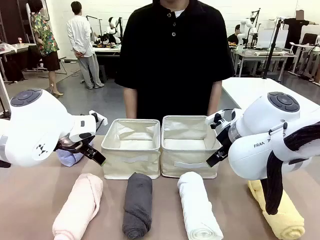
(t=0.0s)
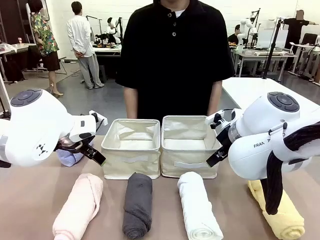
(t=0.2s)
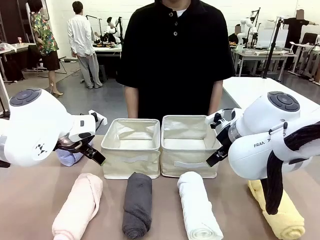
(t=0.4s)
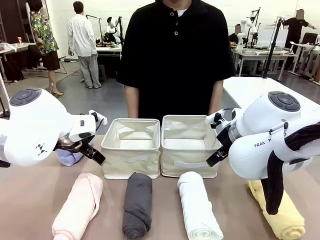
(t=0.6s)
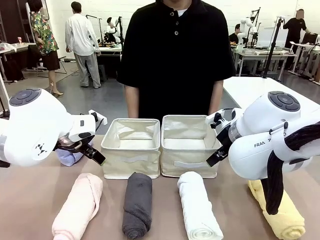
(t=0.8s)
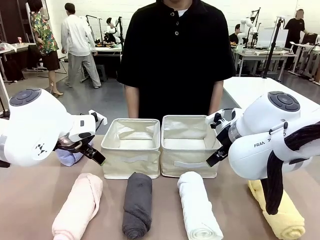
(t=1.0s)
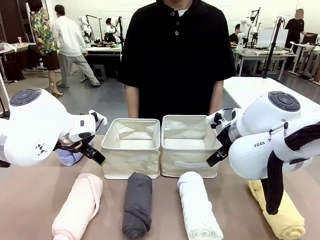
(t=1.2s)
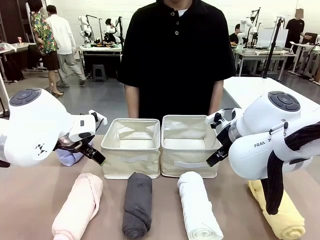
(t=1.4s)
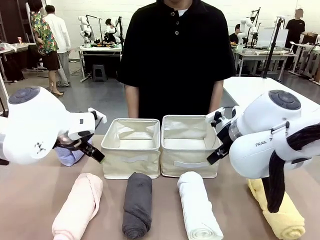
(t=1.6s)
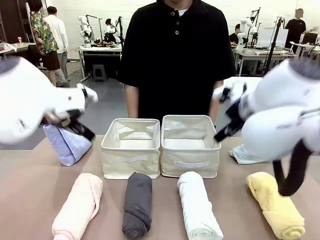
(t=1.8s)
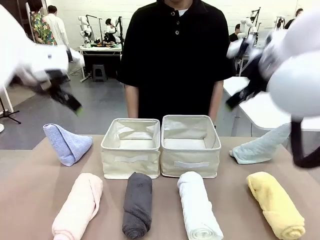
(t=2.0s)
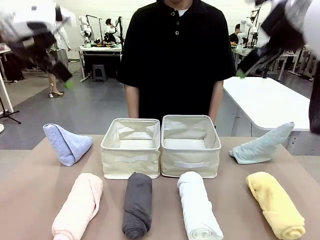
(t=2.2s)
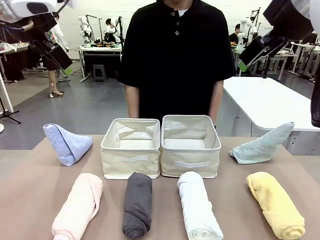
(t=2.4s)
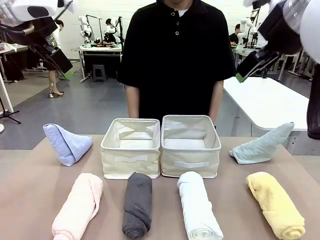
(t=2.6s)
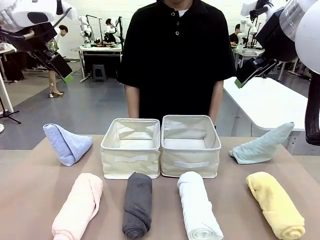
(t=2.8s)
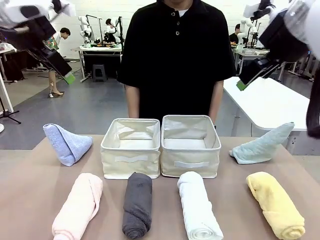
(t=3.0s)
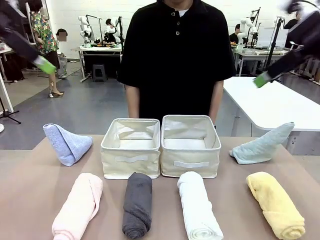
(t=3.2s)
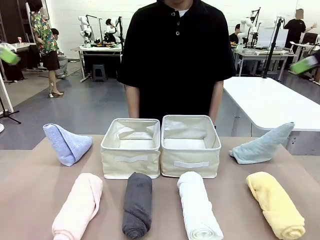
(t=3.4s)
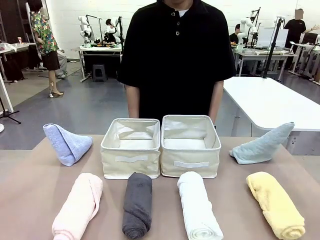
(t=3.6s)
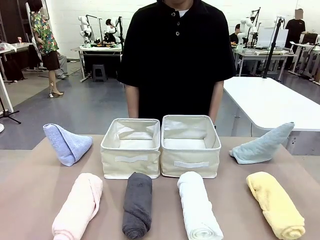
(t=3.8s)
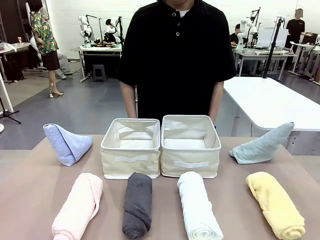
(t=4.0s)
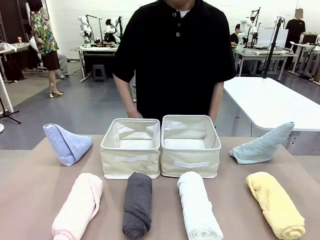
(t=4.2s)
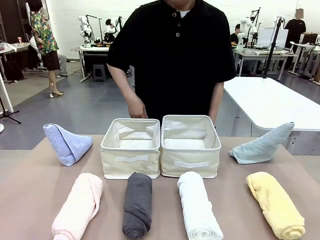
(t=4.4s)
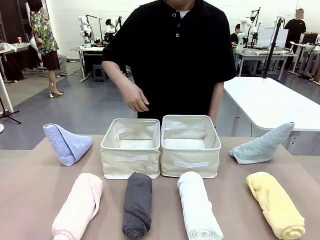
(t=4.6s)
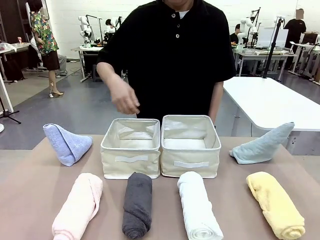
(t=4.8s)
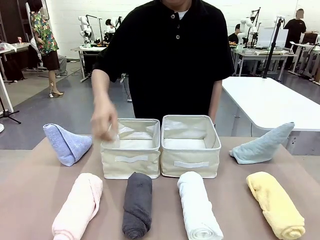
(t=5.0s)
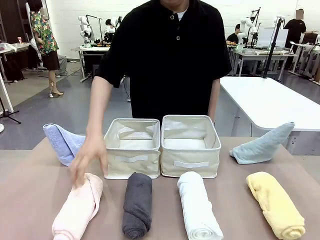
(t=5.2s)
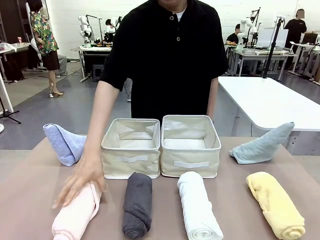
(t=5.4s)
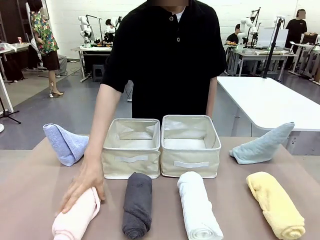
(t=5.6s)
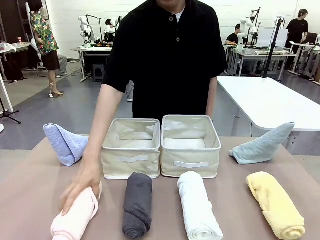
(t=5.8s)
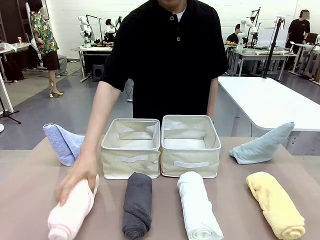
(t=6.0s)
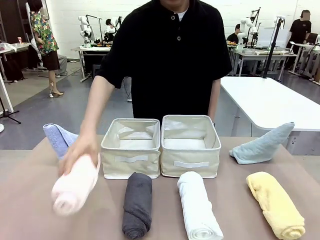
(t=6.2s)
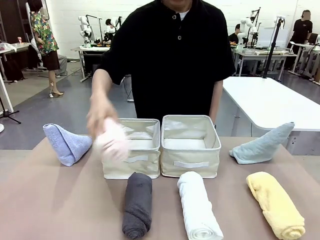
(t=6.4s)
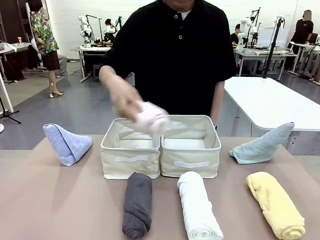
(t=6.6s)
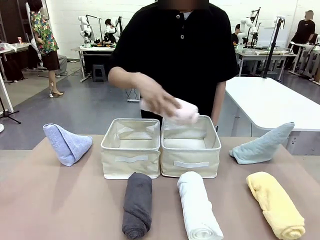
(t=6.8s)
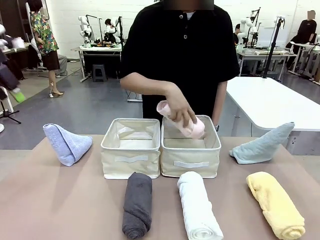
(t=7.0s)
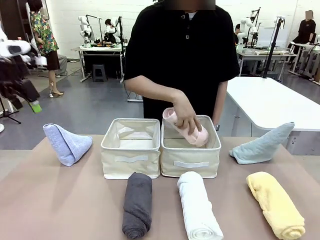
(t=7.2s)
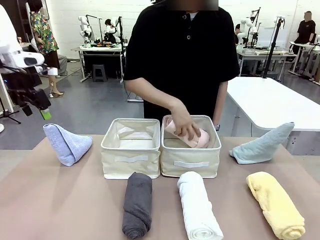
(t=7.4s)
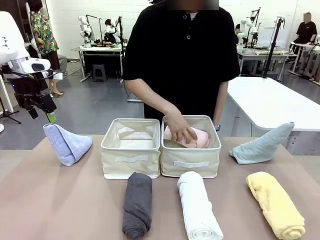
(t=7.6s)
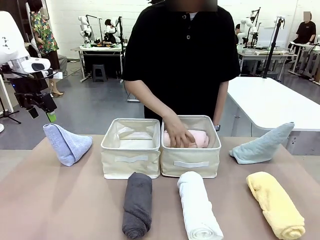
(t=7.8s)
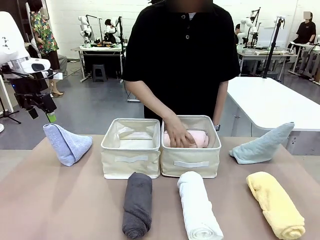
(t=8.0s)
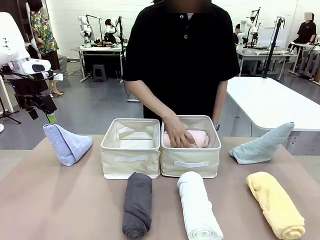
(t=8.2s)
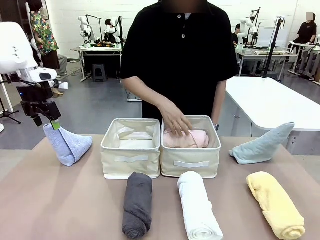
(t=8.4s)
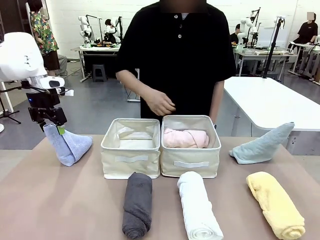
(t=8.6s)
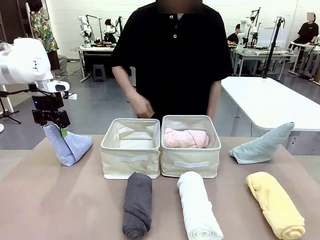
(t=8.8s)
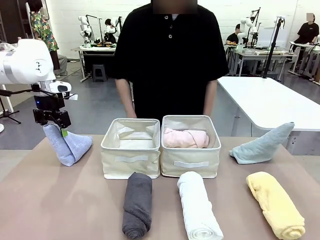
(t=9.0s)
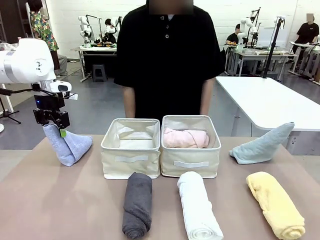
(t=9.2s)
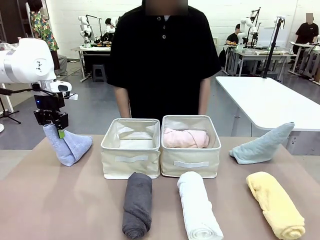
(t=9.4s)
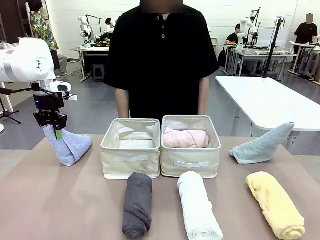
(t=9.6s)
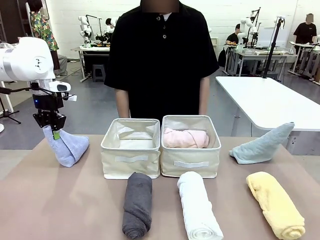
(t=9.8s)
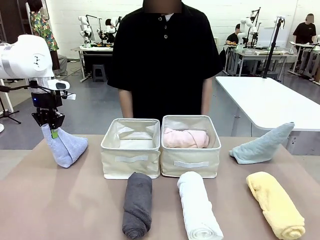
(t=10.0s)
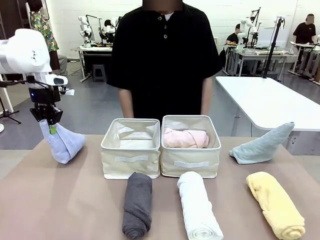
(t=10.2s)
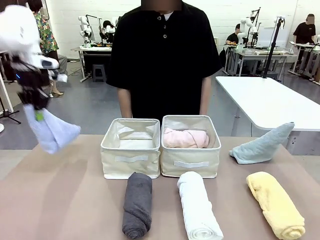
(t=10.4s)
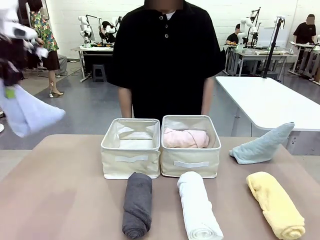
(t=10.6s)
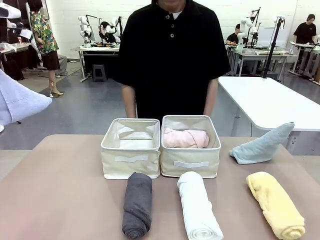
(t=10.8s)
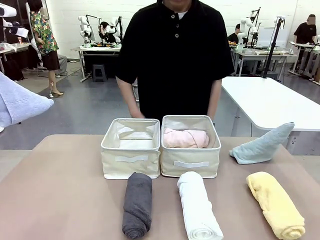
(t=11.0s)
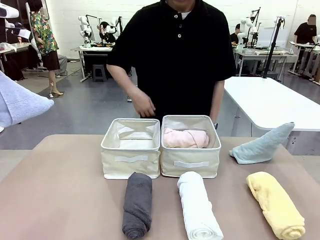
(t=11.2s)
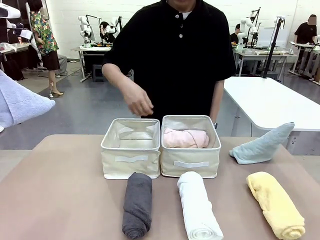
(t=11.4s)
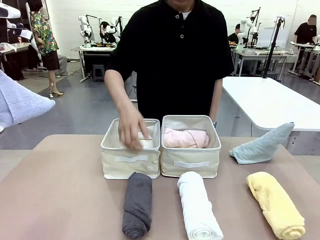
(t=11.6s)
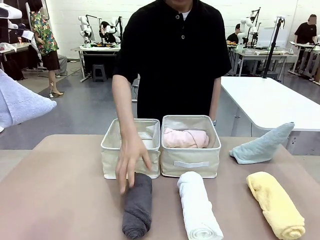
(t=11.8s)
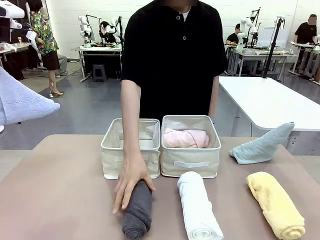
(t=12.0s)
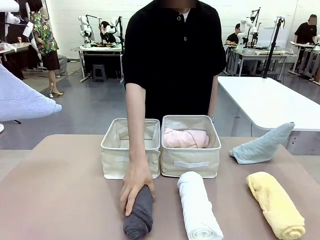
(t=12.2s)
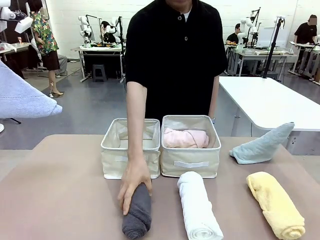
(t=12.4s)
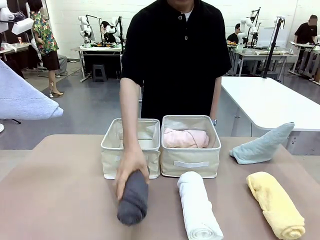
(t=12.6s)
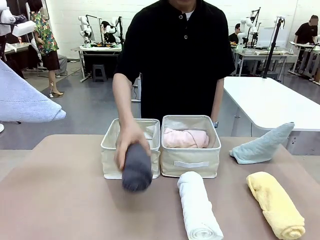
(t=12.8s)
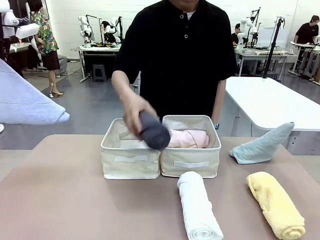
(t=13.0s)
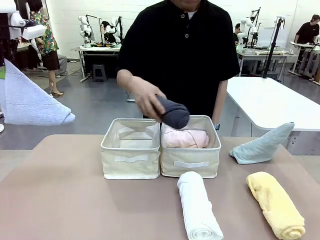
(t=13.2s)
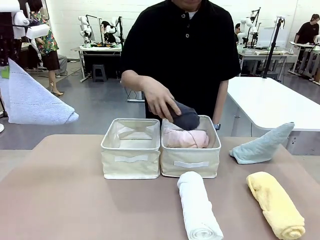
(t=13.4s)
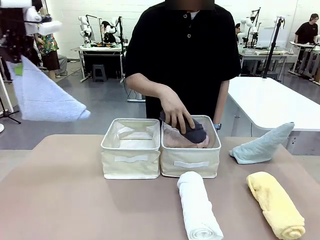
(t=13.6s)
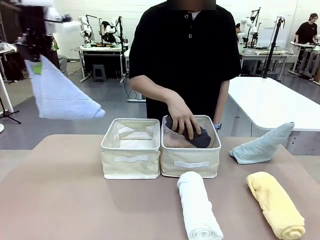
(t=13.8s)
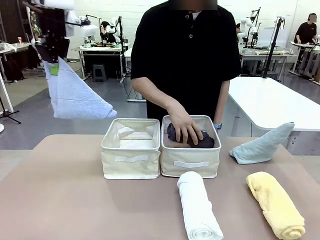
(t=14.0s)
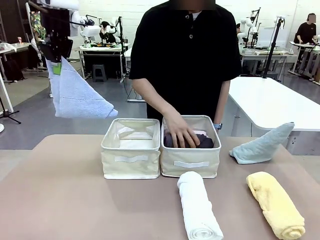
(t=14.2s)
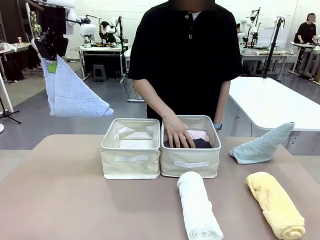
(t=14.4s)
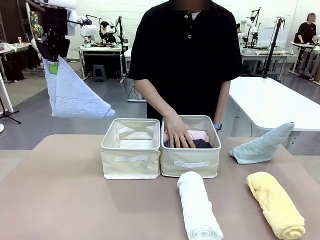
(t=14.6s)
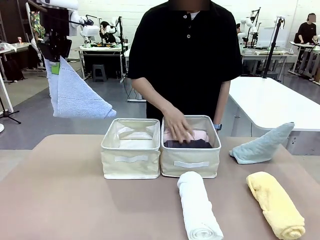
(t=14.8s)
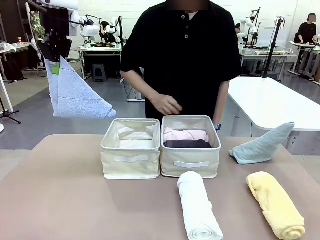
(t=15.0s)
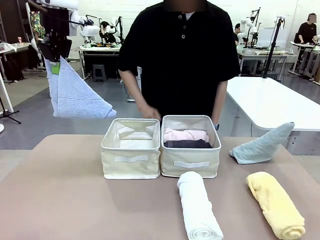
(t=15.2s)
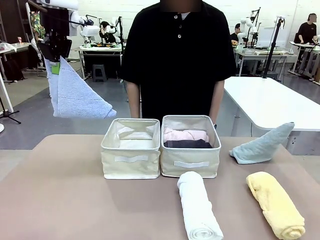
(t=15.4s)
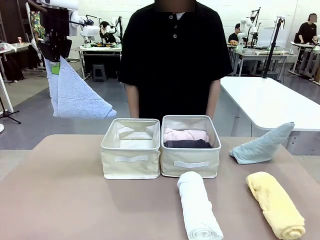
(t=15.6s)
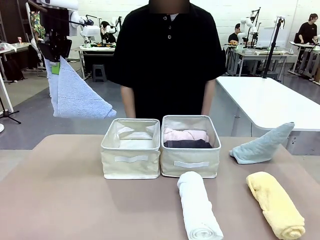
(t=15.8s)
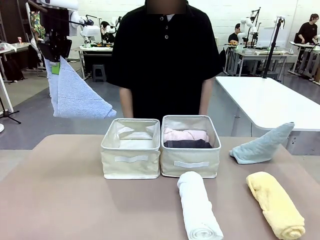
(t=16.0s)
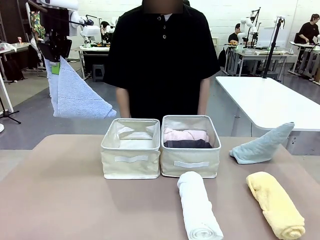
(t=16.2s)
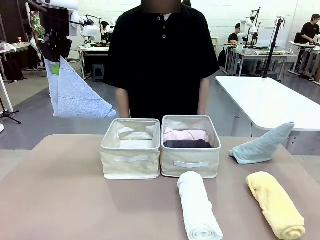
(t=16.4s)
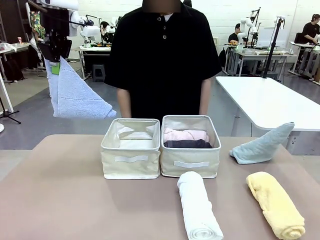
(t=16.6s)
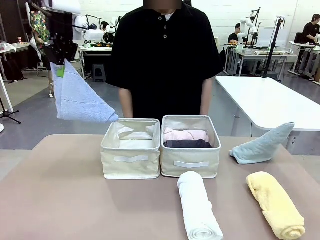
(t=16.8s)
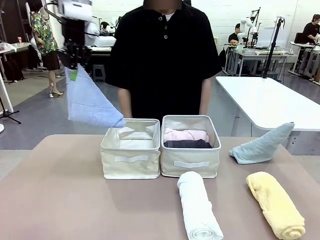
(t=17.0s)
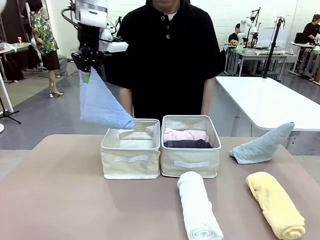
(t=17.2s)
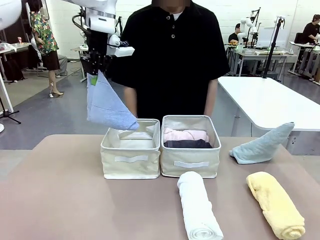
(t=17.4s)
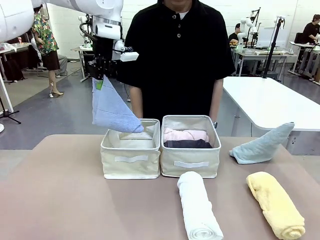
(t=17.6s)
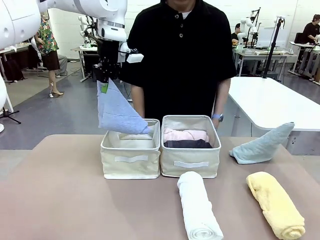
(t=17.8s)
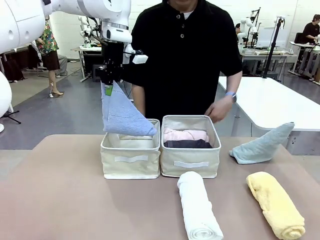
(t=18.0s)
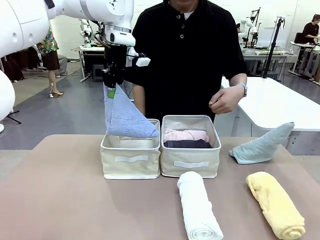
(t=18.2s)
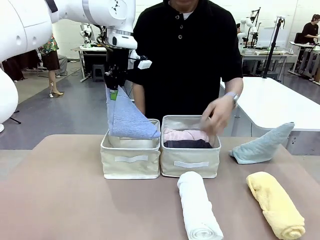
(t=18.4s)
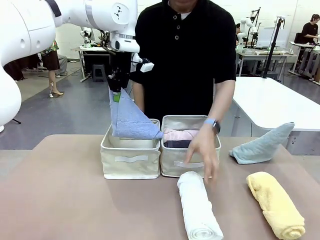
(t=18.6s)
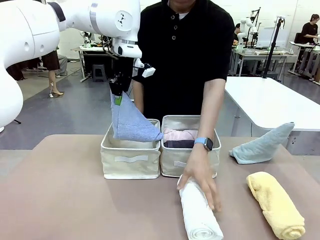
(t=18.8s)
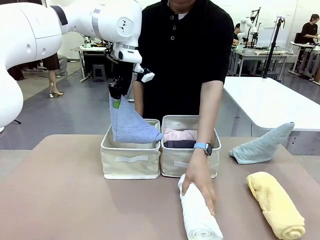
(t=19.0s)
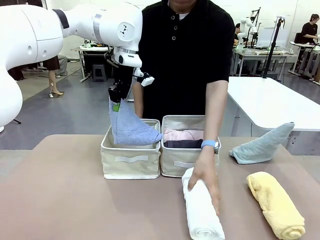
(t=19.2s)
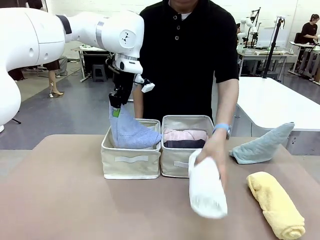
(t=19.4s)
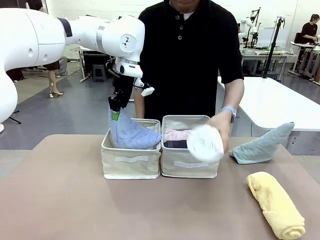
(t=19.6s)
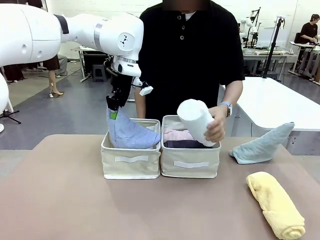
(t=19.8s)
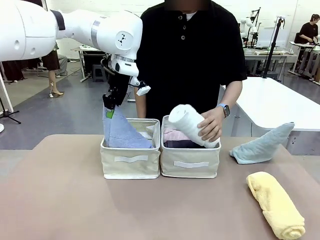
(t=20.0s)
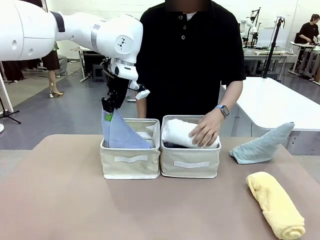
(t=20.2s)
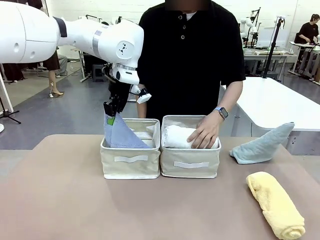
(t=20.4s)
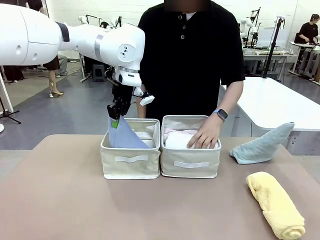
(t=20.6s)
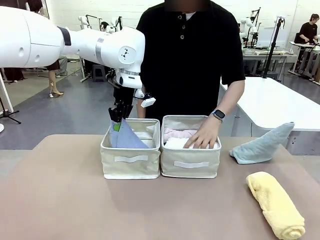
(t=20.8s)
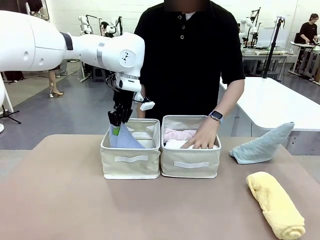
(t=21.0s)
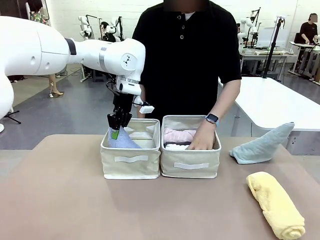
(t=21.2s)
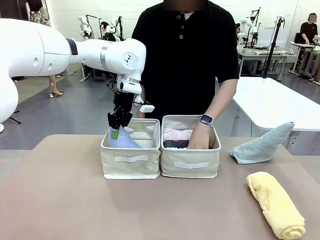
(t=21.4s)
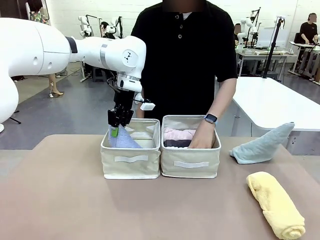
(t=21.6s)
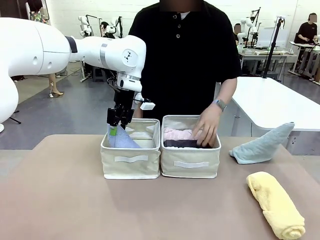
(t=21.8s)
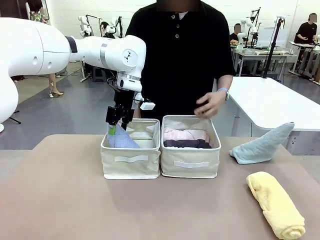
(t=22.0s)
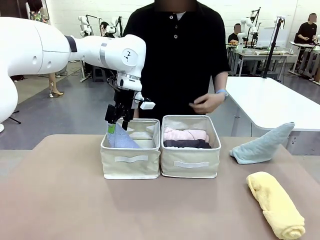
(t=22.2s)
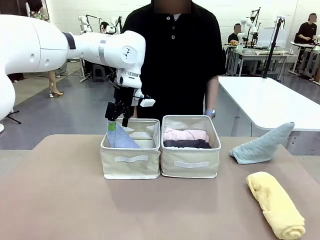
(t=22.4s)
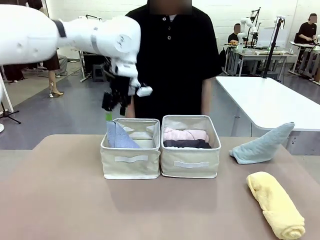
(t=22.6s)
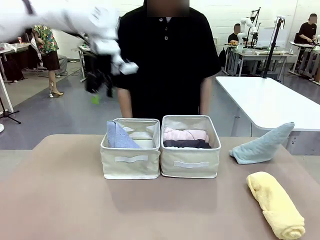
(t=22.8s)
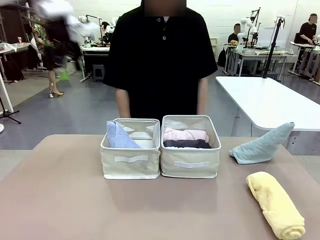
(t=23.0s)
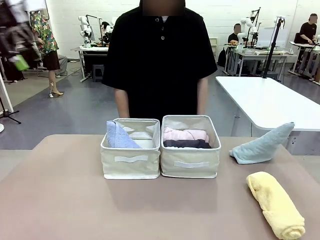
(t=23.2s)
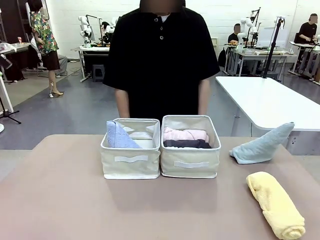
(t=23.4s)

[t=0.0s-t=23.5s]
Task: Sort the towels based on their folding style.
Robot: Pick up one triangle-folded towel and place it in the left Fabric basket.
Person: Pick up one hotel-style rolled towel and place it in the left fabric basket.
